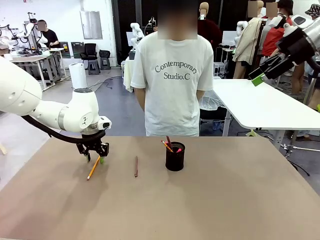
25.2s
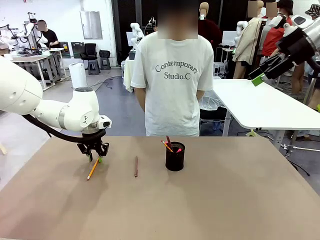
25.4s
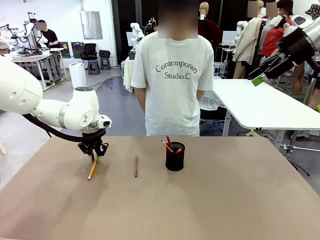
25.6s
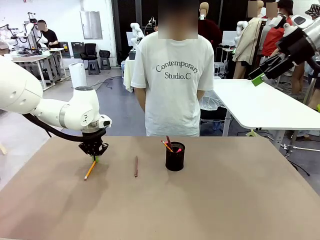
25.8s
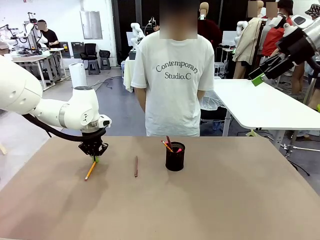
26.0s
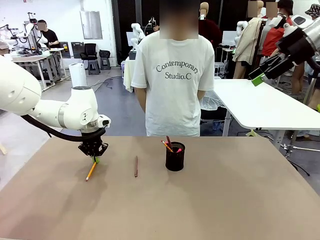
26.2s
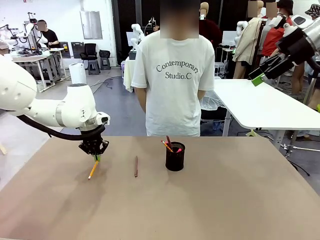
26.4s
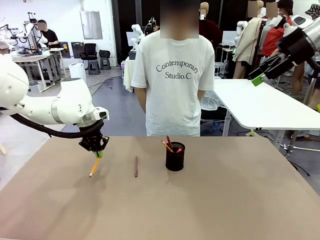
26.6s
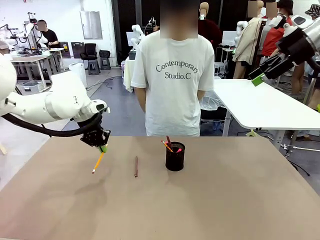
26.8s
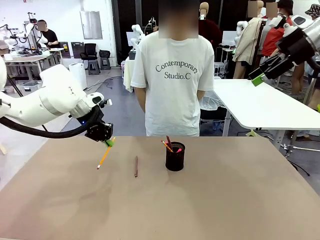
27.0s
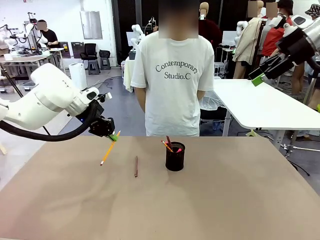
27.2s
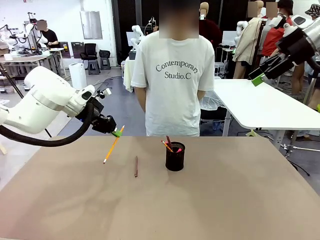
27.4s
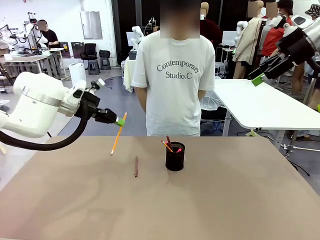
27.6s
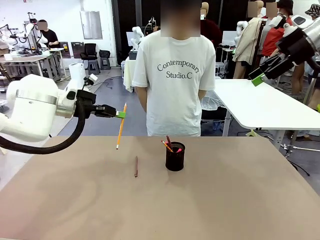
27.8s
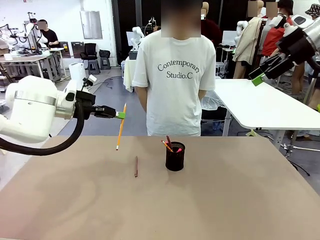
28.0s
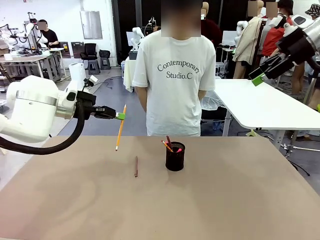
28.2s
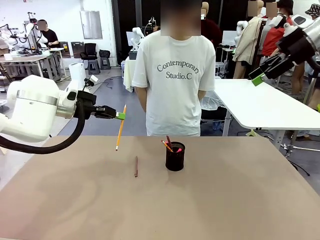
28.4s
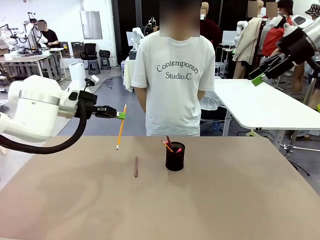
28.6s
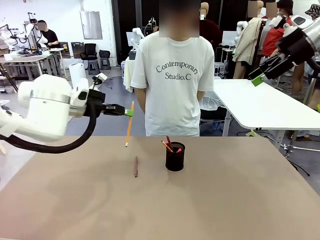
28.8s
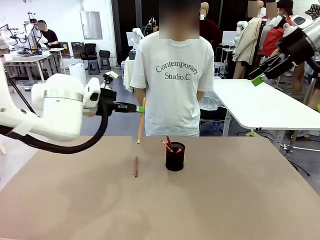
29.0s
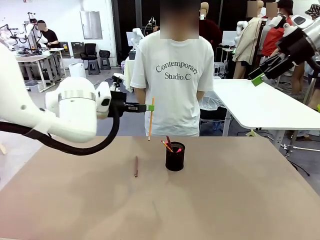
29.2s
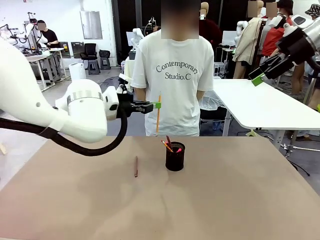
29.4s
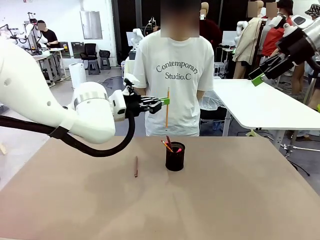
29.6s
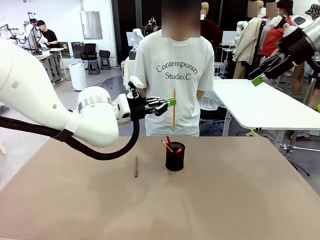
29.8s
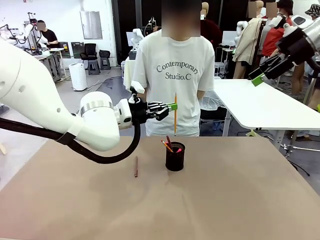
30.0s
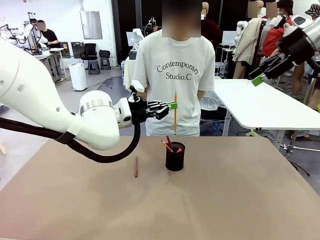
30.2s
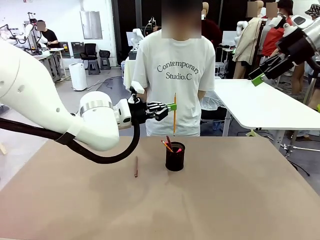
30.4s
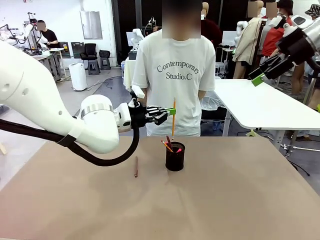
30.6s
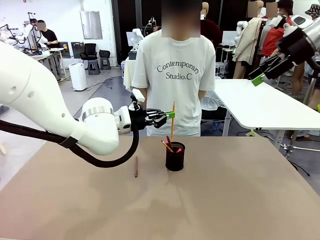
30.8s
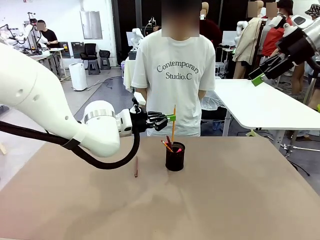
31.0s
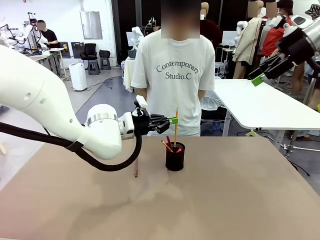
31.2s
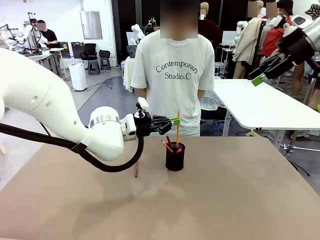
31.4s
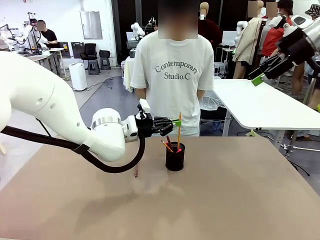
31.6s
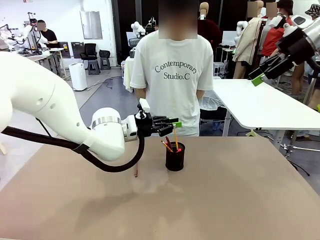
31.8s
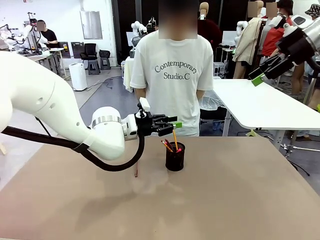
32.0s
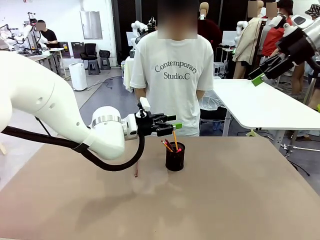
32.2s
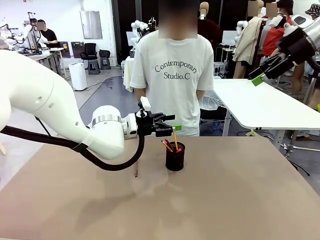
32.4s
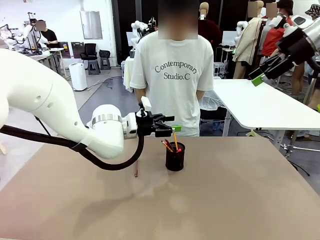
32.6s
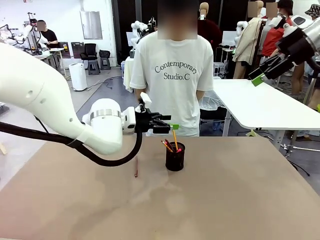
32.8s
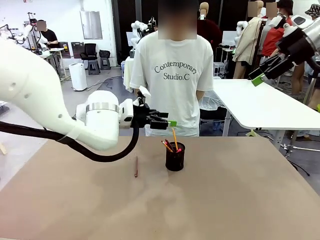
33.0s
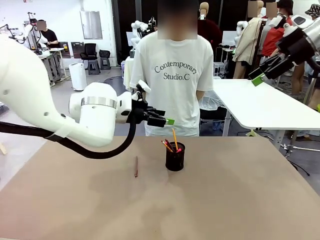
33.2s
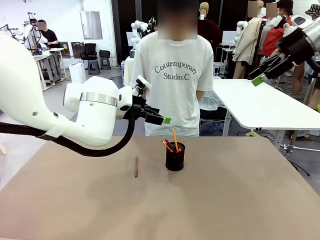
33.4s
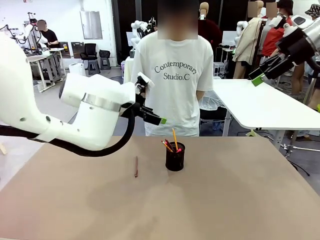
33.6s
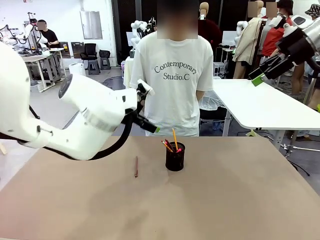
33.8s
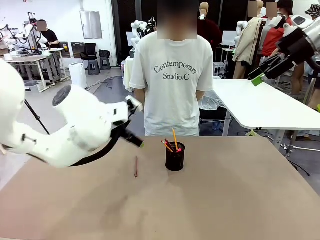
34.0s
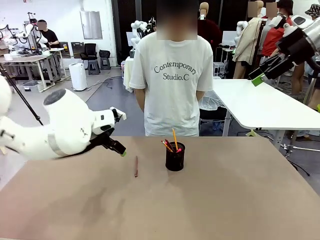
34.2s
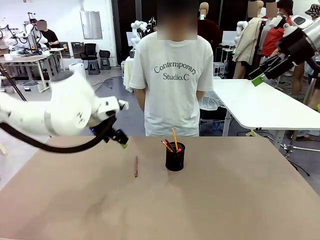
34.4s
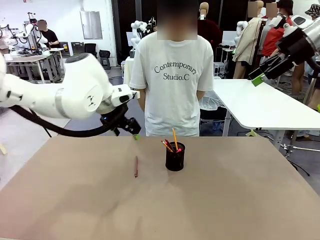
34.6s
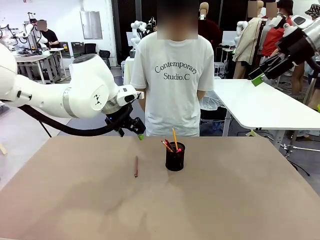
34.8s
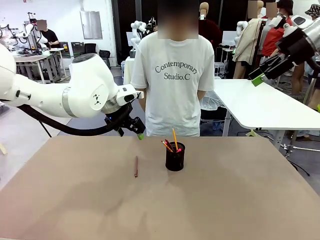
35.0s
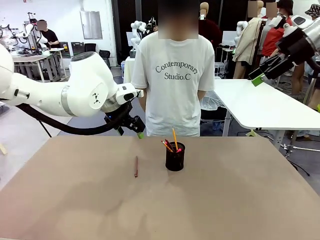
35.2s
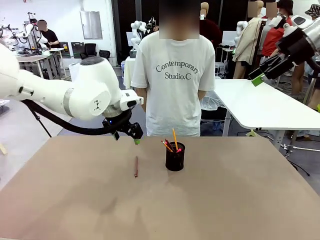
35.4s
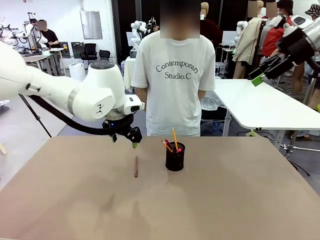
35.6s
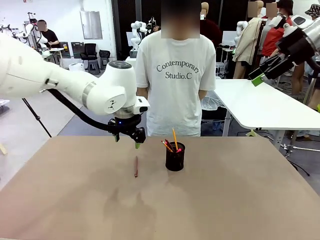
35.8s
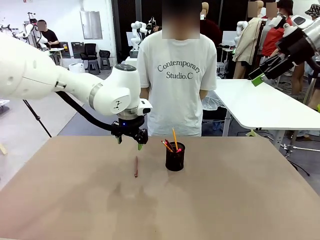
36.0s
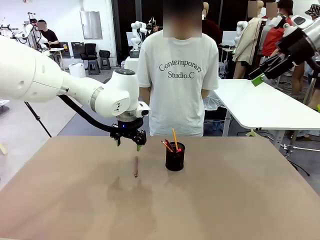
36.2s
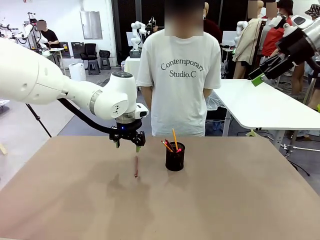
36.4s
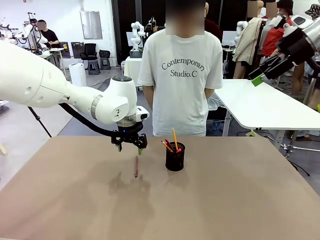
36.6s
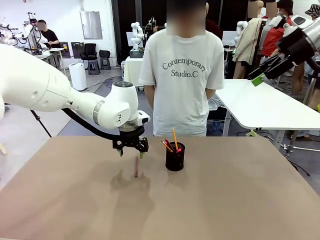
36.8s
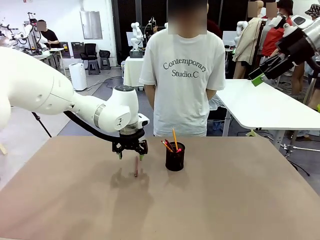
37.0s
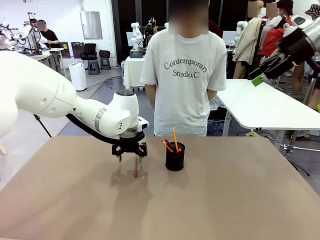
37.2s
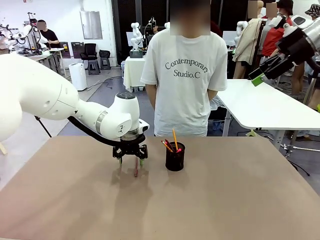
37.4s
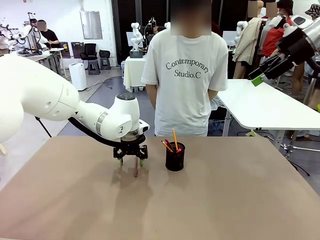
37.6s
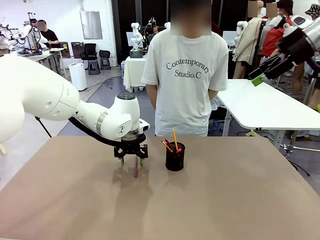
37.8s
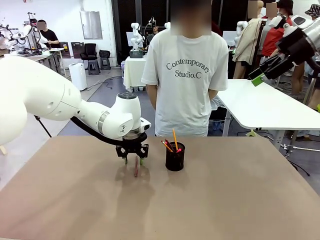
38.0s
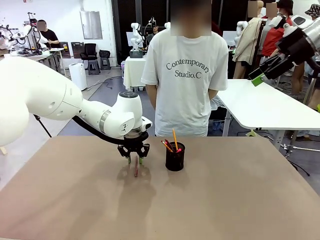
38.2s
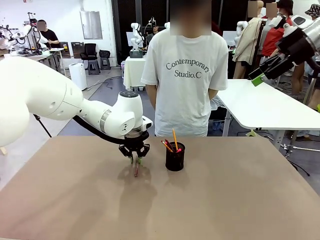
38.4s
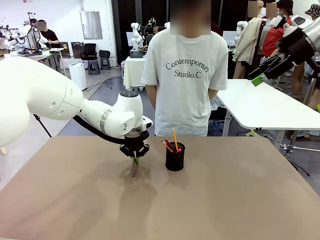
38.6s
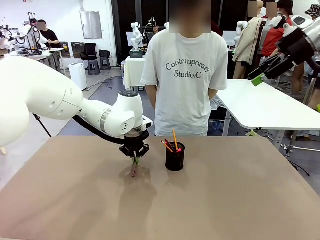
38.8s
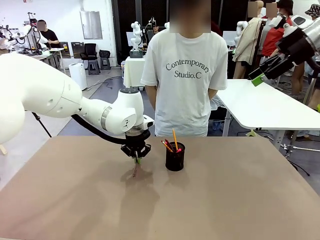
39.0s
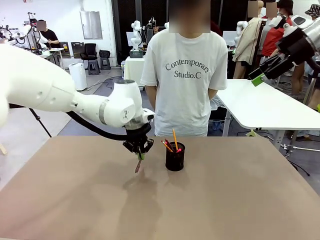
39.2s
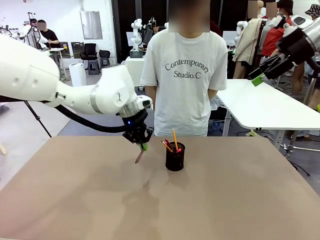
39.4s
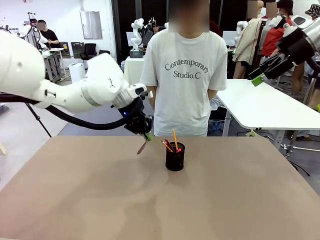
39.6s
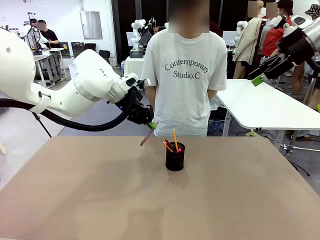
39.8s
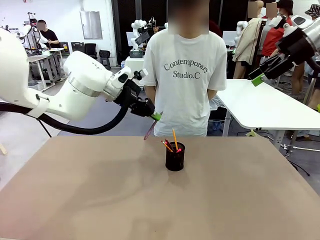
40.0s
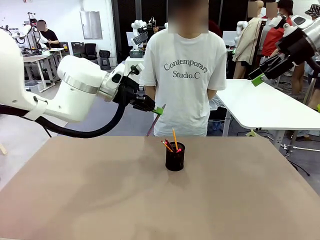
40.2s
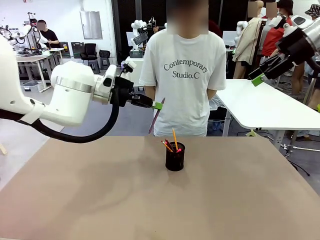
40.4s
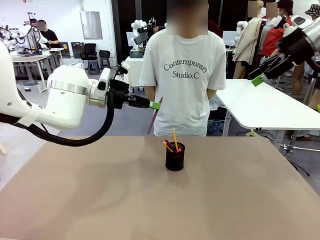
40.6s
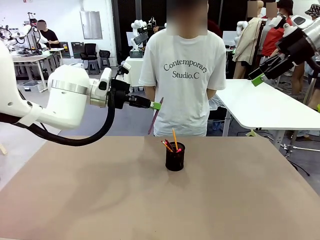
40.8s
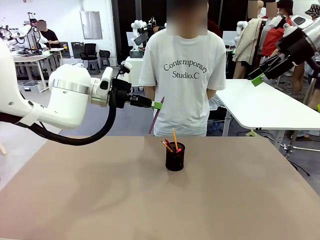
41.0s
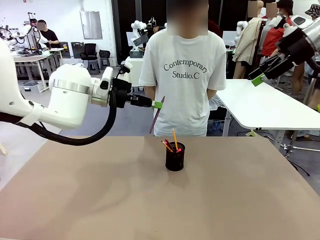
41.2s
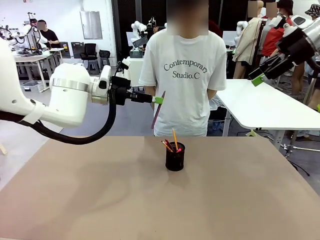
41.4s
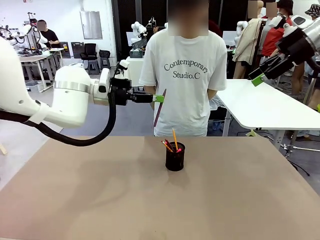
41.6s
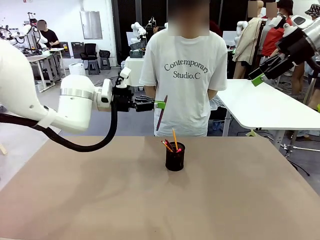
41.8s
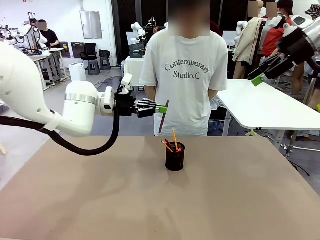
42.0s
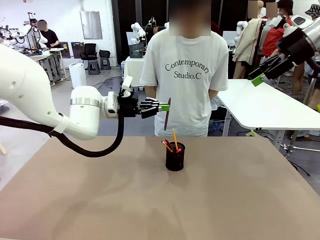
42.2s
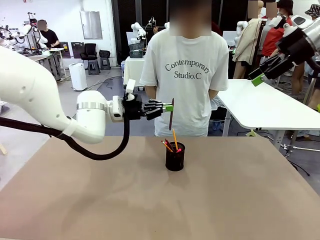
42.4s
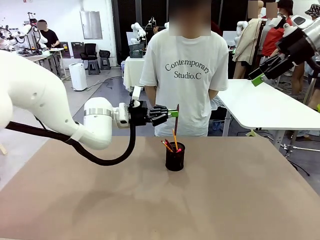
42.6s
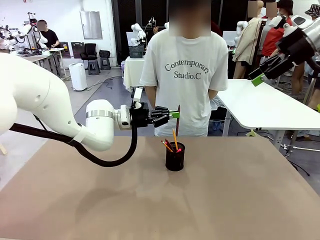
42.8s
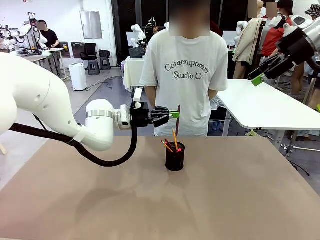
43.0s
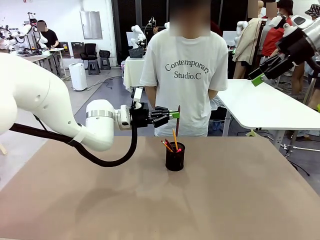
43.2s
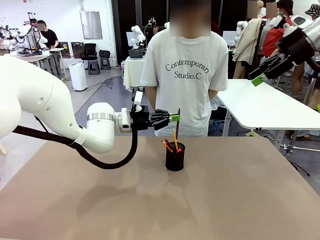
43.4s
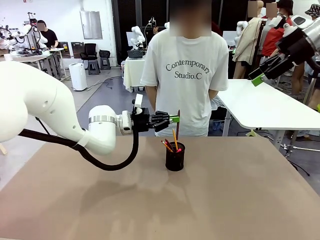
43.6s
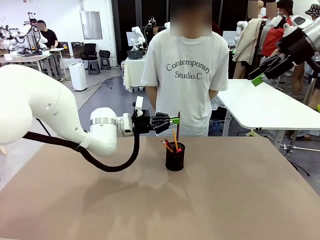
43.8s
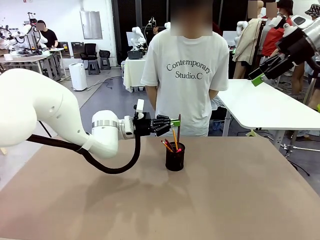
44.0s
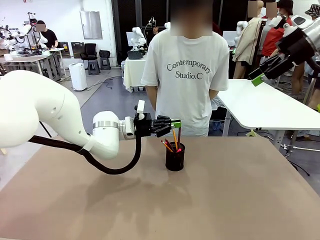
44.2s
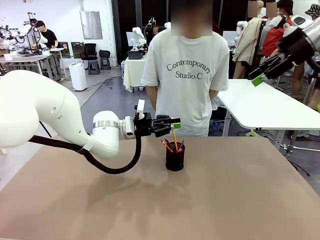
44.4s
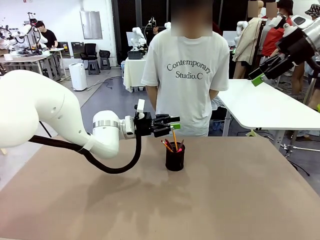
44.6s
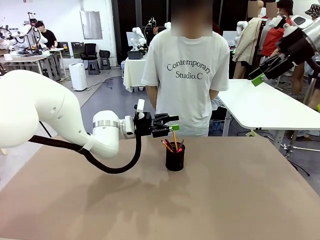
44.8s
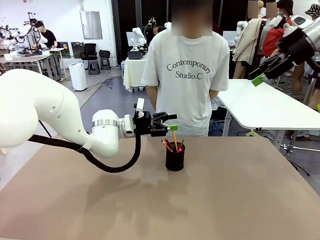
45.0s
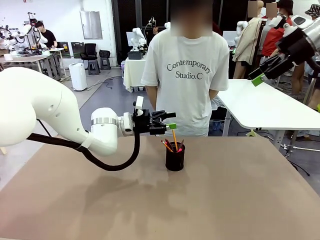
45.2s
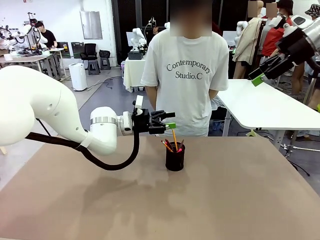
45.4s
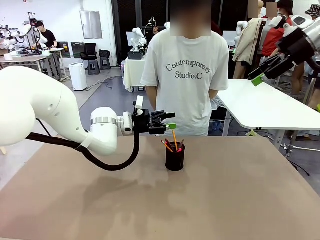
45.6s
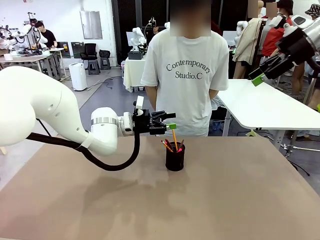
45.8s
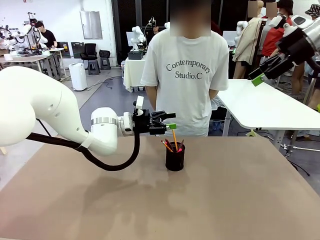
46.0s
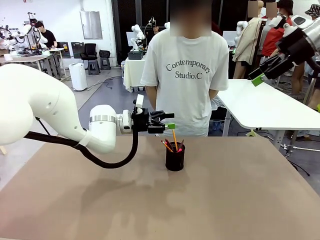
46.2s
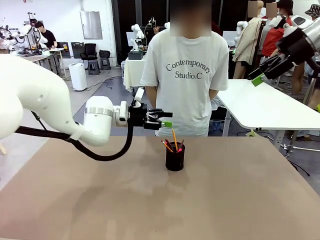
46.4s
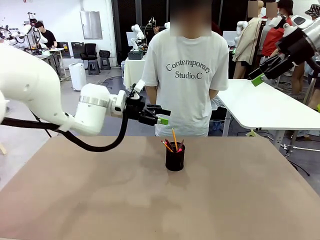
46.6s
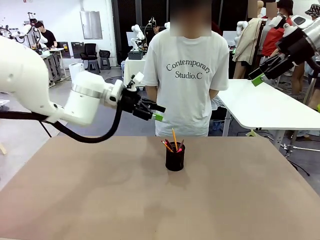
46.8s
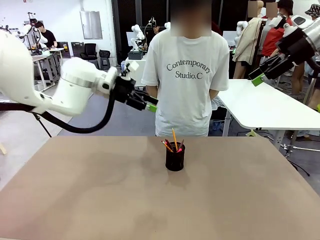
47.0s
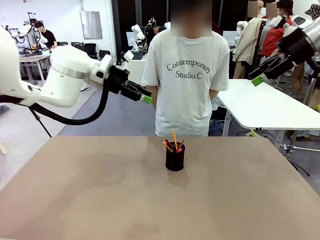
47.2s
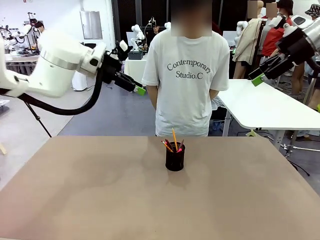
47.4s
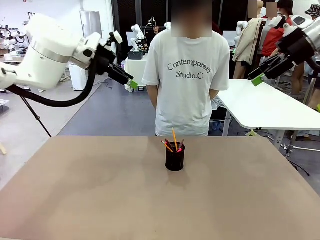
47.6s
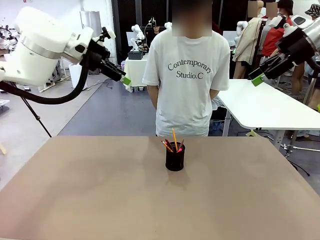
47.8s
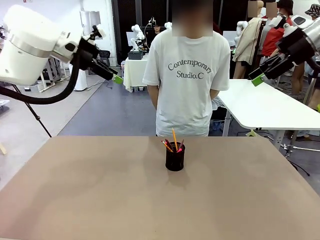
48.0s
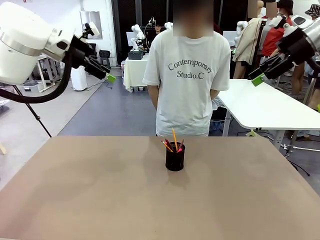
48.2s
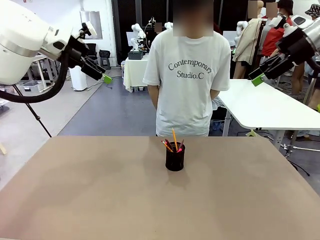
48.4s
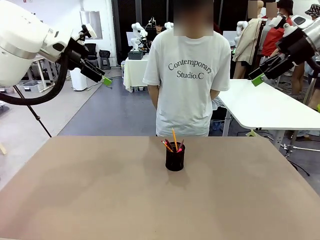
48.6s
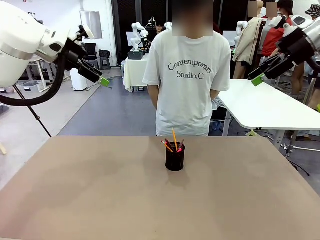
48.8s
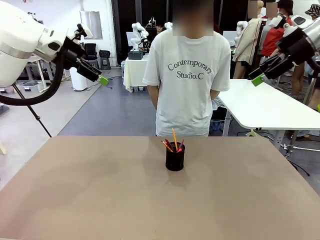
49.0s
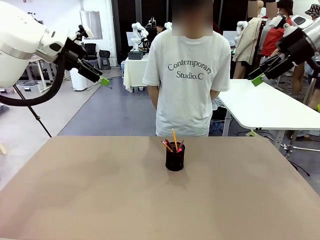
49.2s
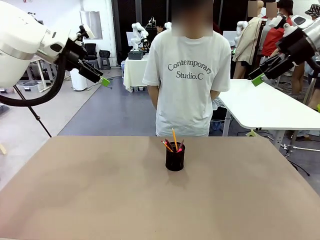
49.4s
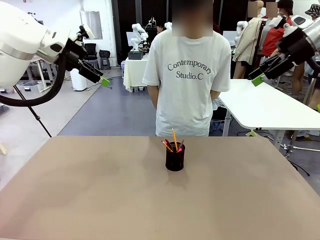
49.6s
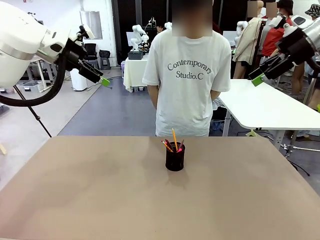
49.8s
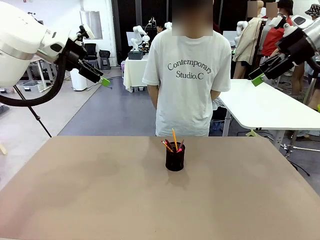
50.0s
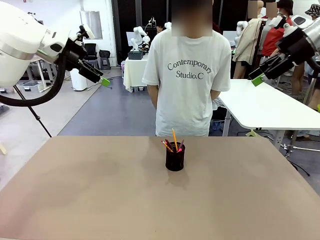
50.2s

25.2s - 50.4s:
Task: Place the pens into the pen holder.
Robot: Pick up a writing instrument from the table and place it into the Pen holder.
Person: Place all writing instrument into the Pen holder.
